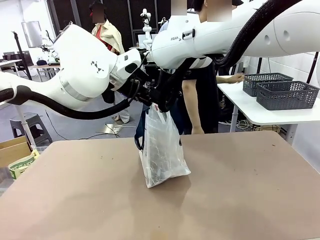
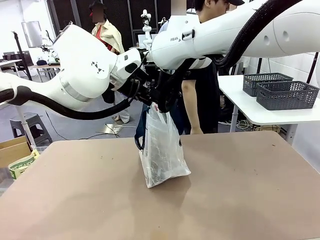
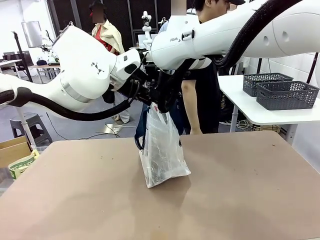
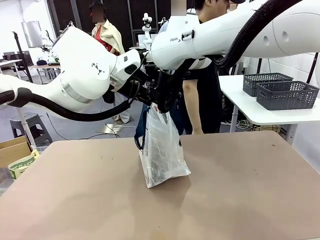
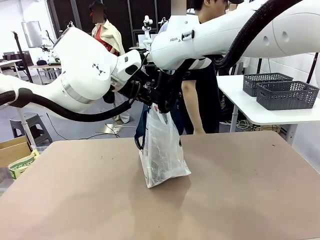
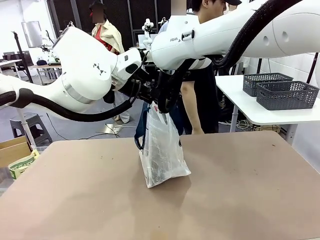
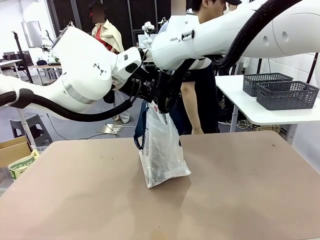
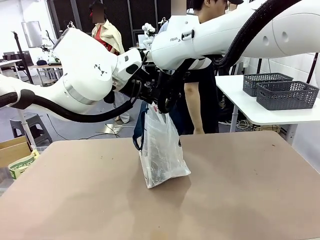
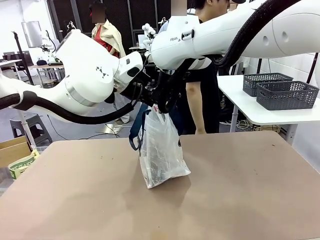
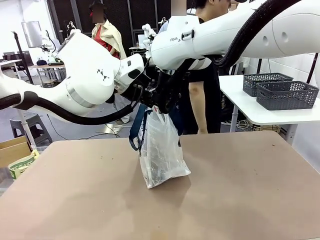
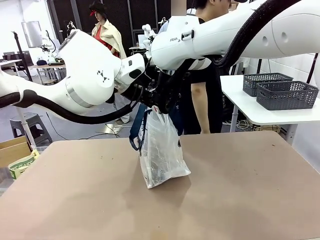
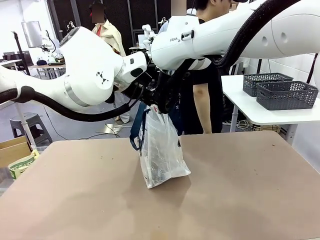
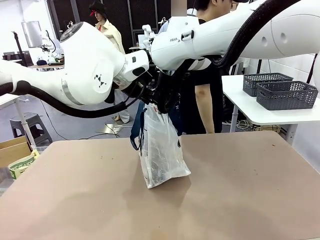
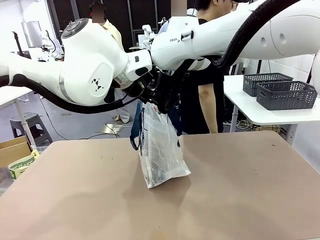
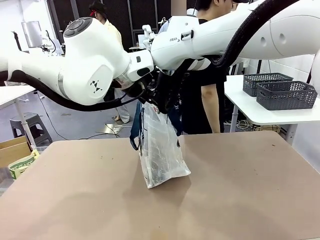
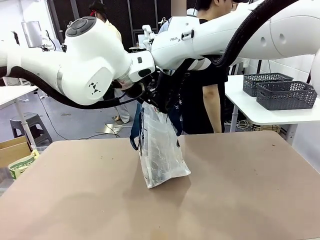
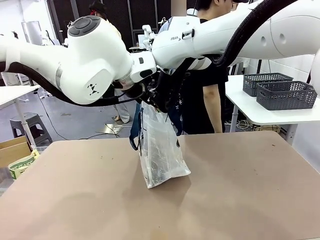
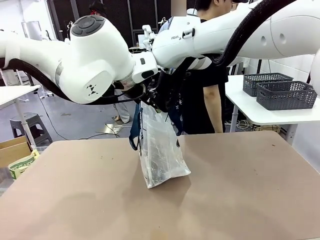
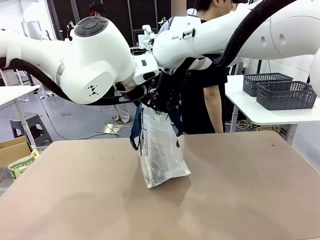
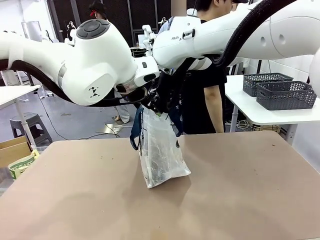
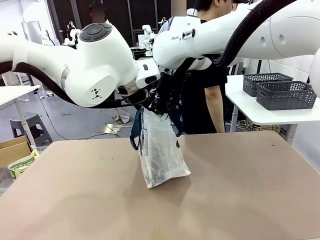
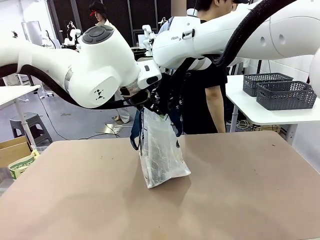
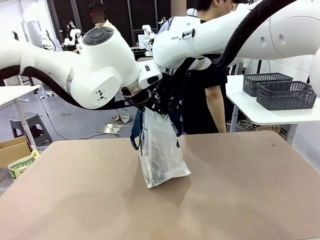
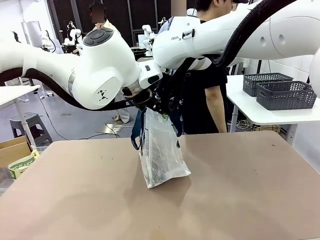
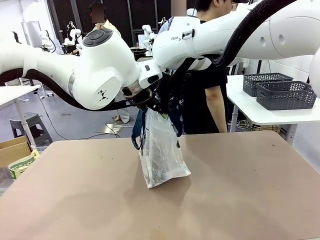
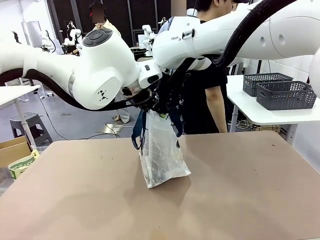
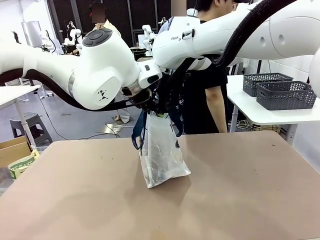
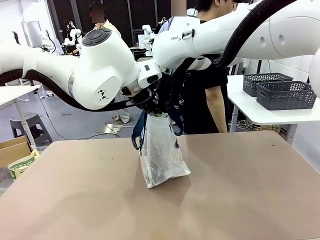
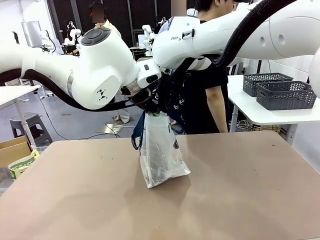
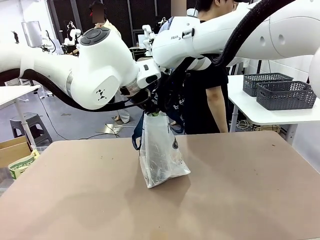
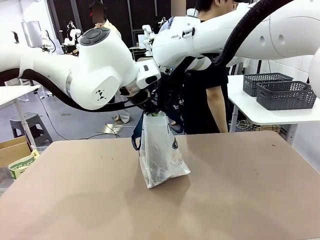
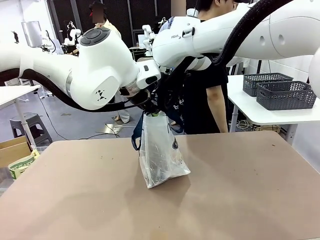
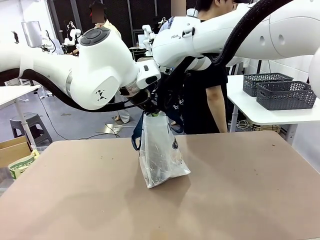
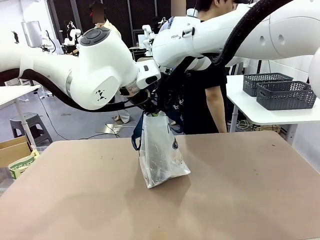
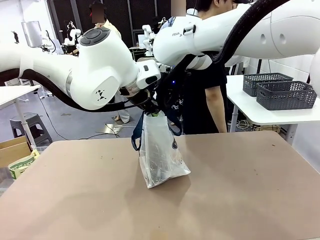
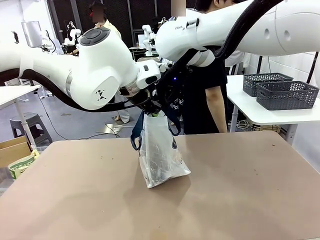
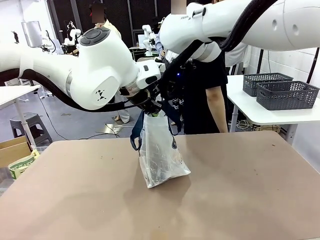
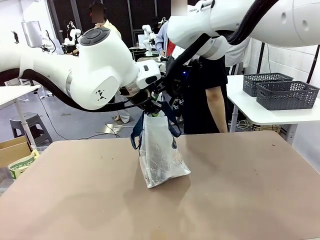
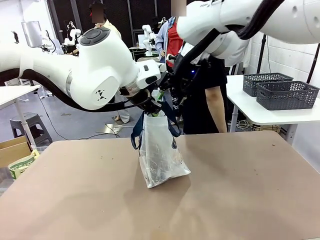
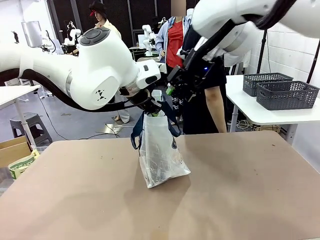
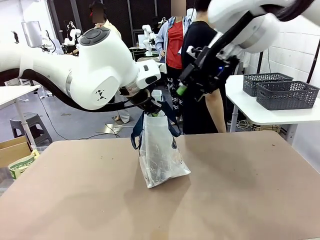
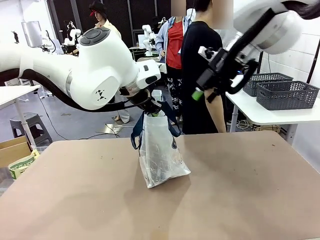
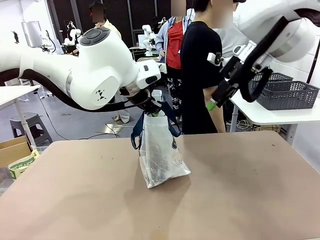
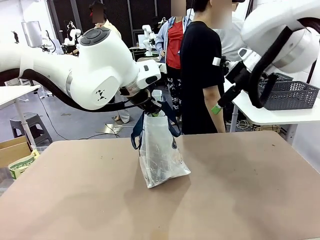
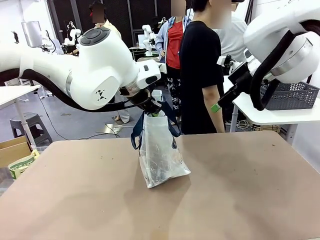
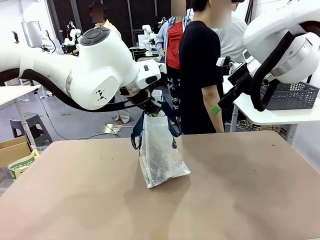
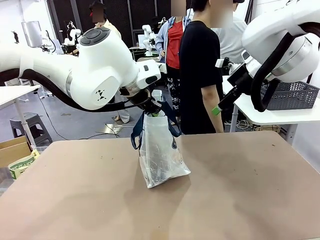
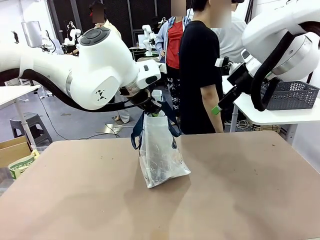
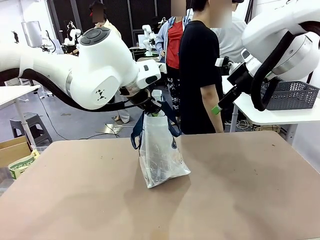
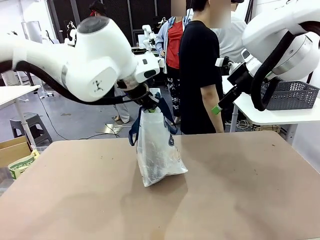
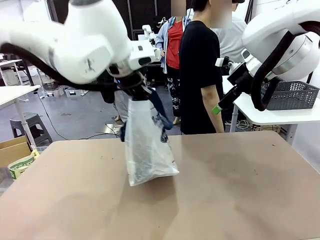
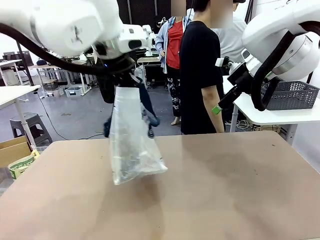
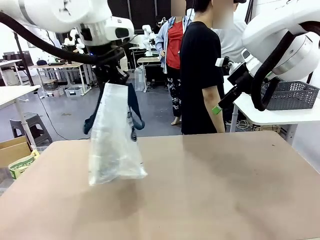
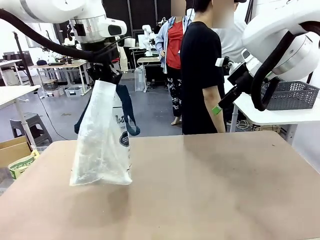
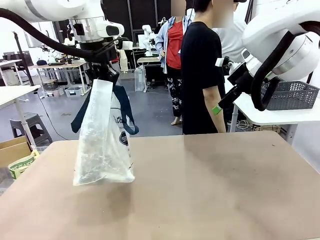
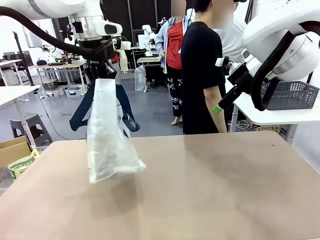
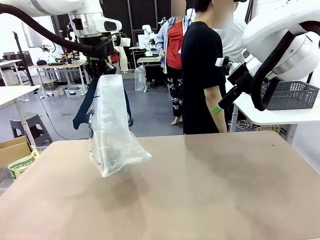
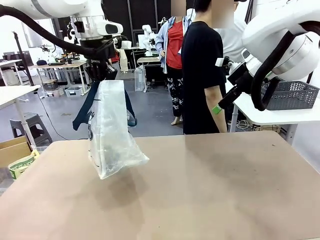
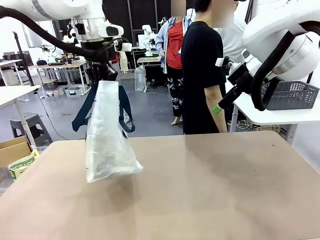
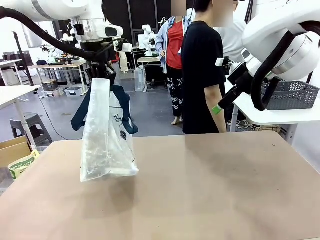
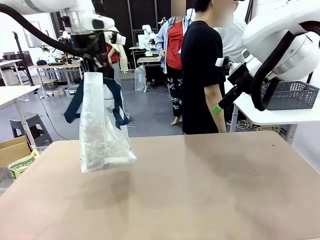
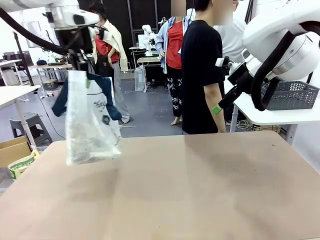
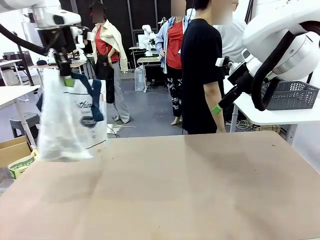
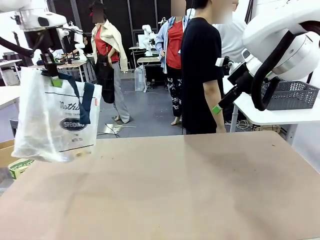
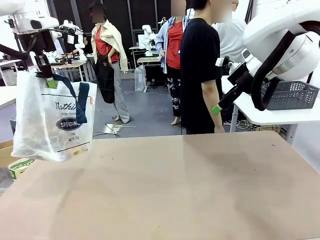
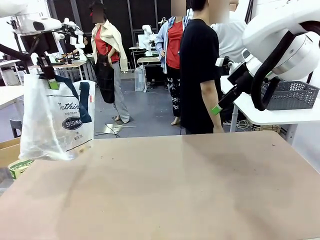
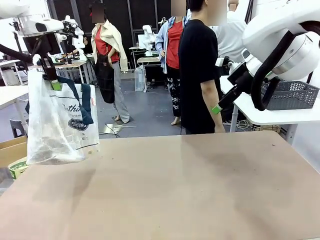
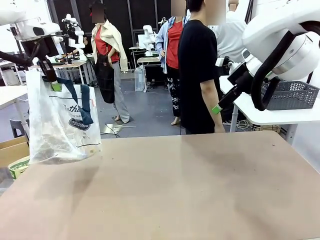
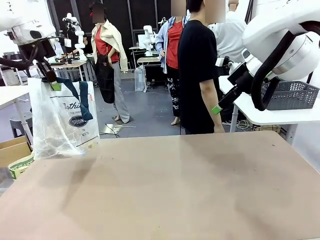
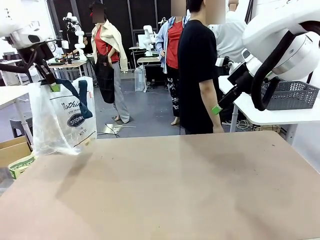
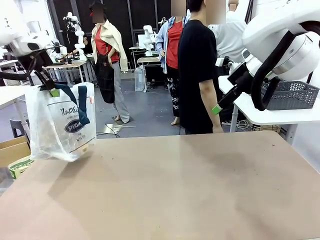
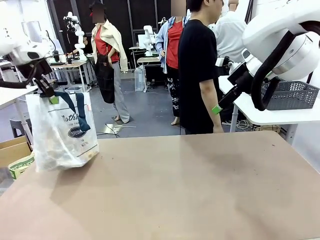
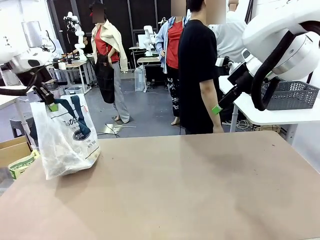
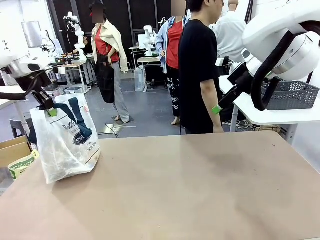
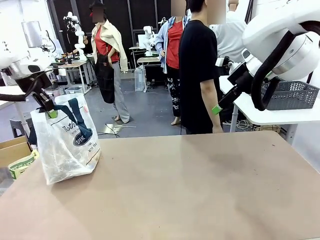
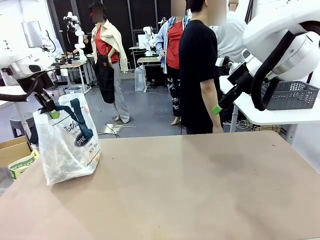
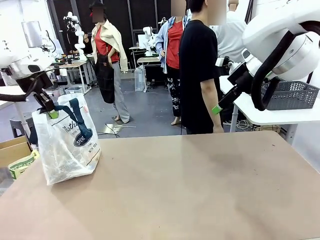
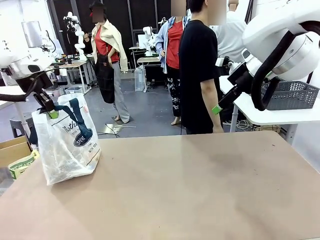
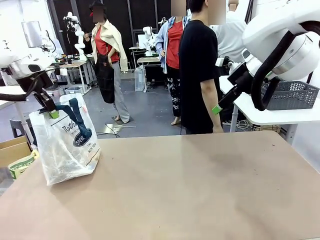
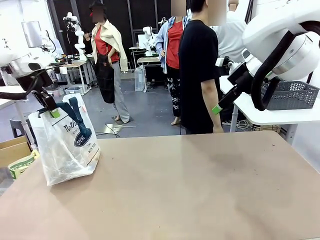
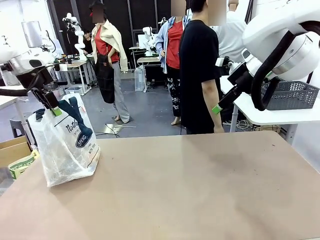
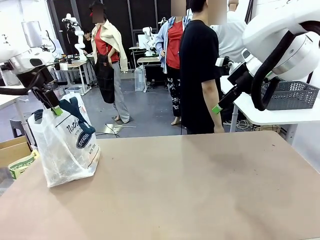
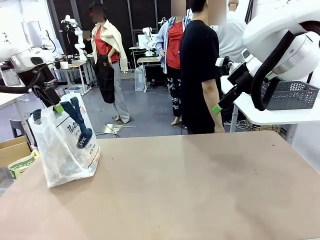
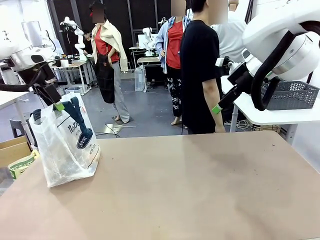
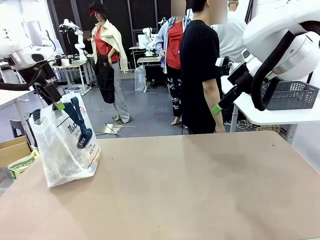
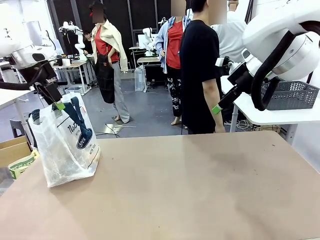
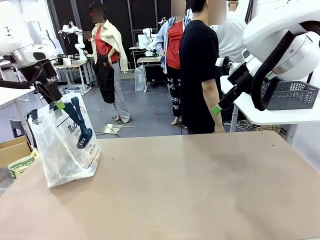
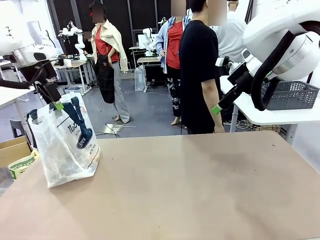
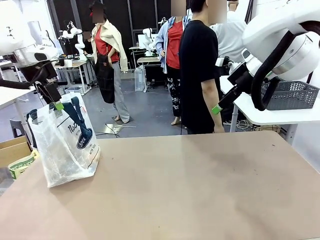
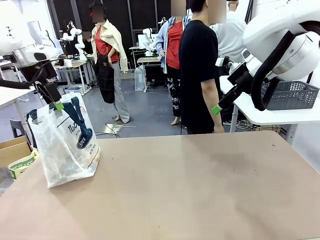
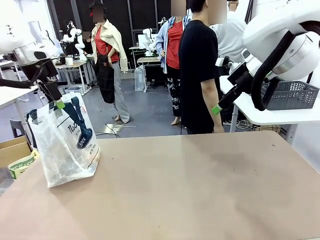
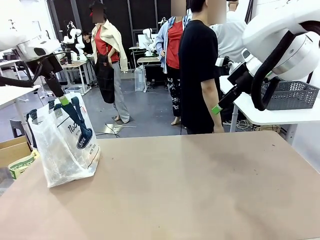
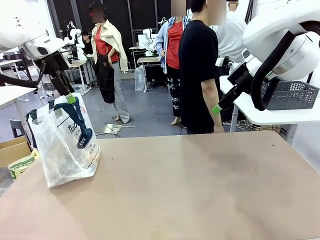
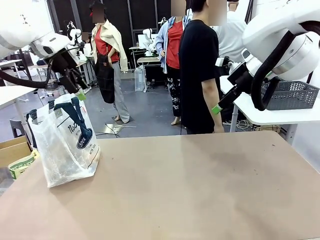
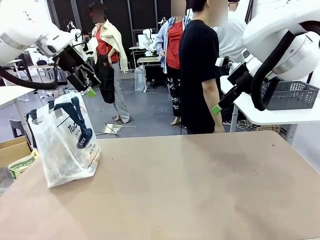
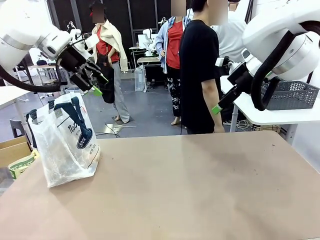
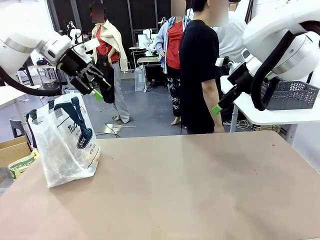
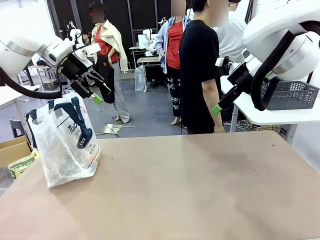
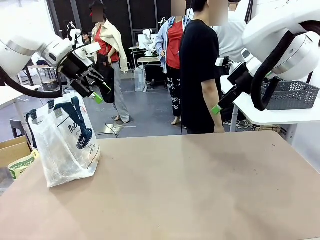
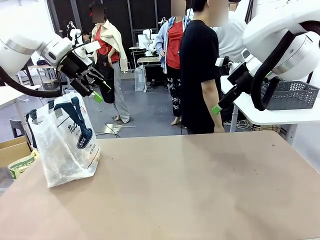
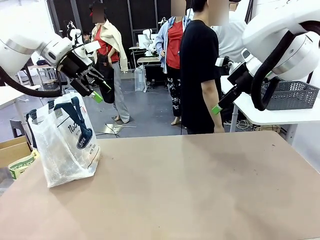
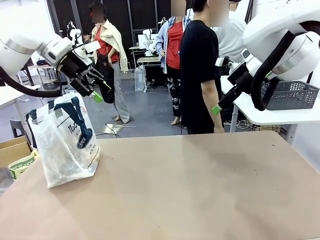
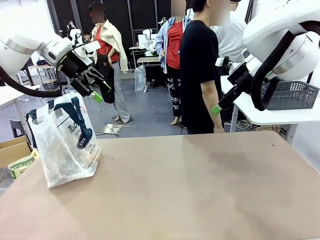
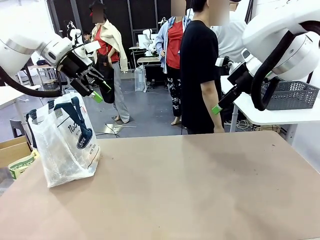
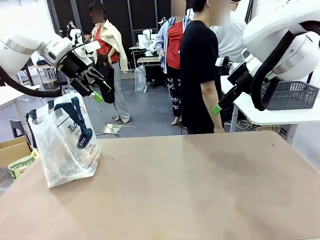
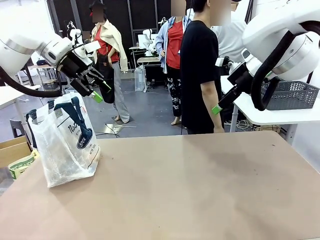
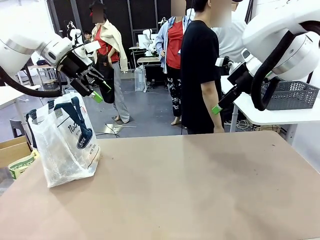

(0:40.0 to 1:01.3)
Task: Transfer purchased items from the store into the shopping bag.
Robot: Move the Reusable shopping bag to the right side of the table.
Person: Move the basket on the left to the middle of the person's table.
